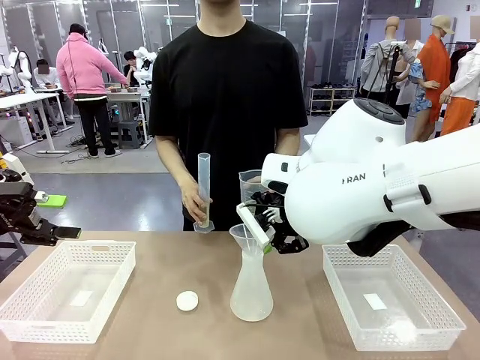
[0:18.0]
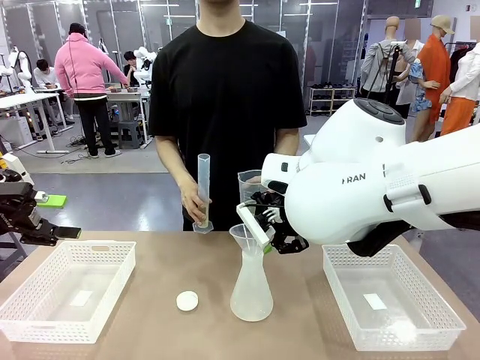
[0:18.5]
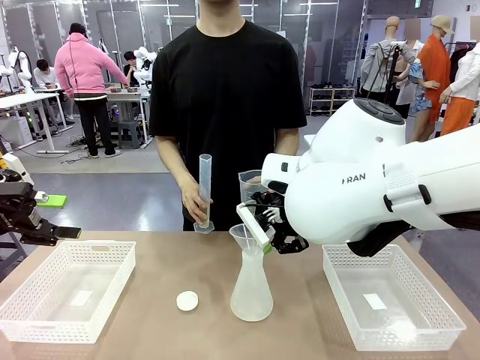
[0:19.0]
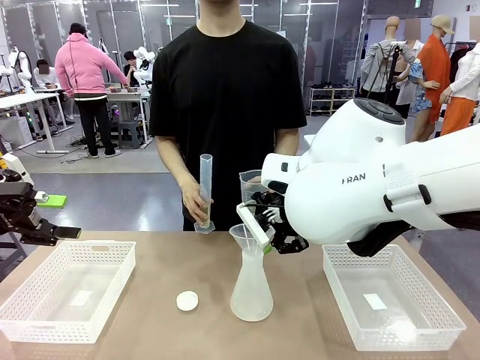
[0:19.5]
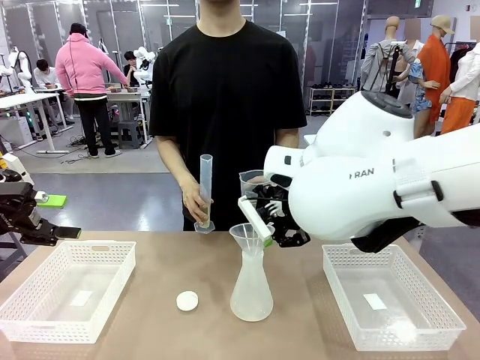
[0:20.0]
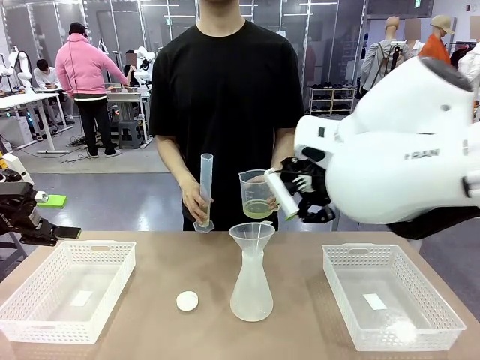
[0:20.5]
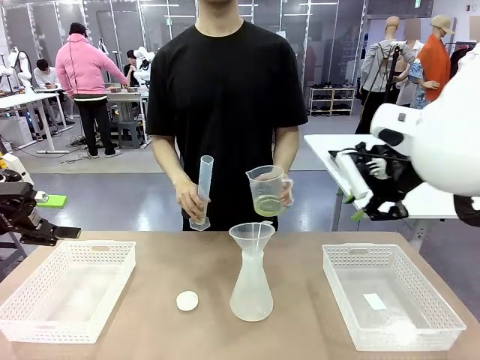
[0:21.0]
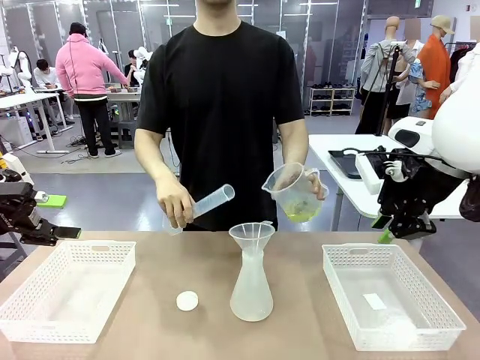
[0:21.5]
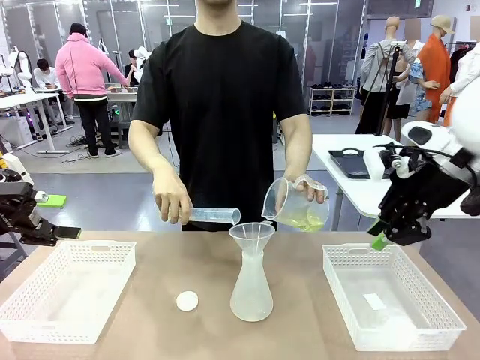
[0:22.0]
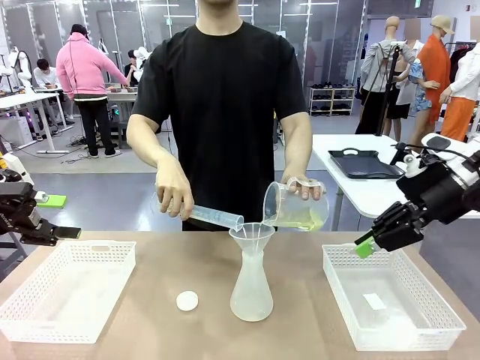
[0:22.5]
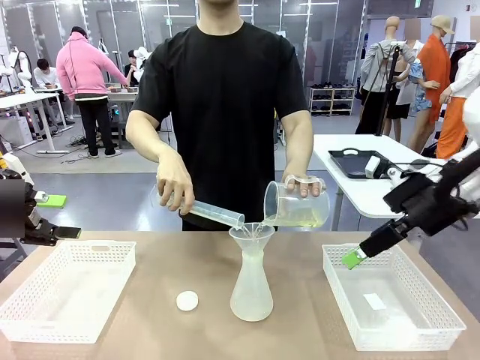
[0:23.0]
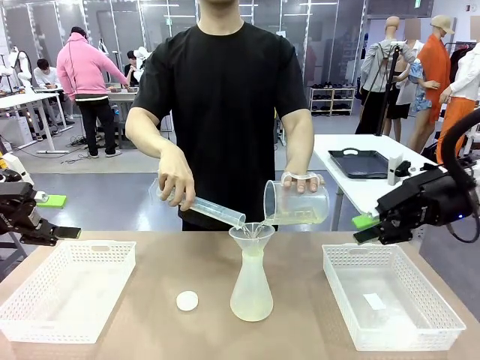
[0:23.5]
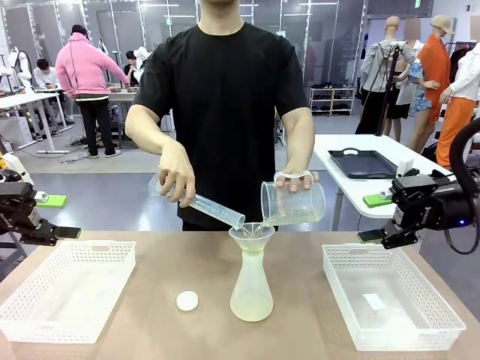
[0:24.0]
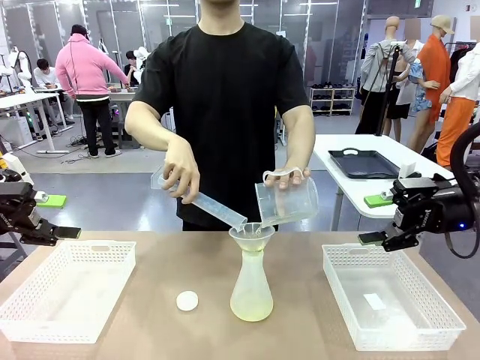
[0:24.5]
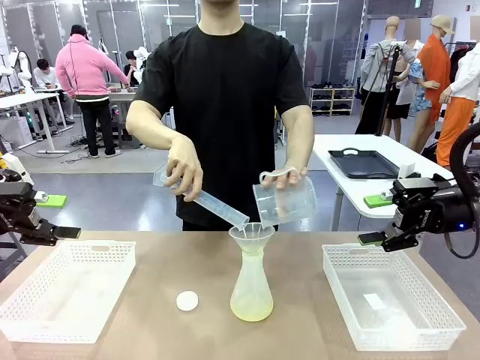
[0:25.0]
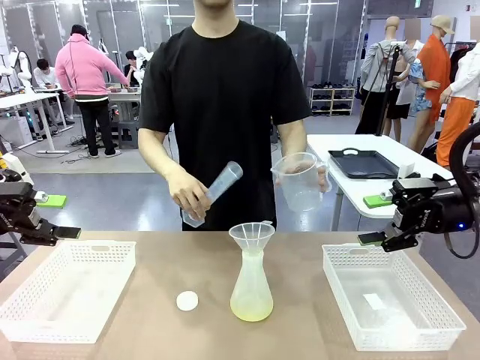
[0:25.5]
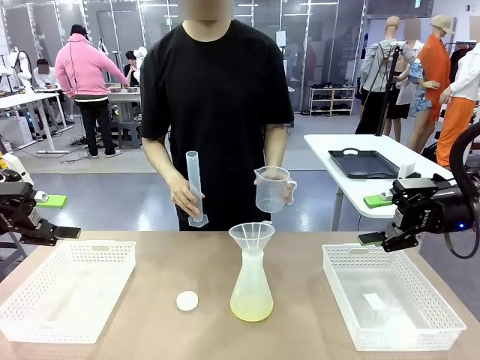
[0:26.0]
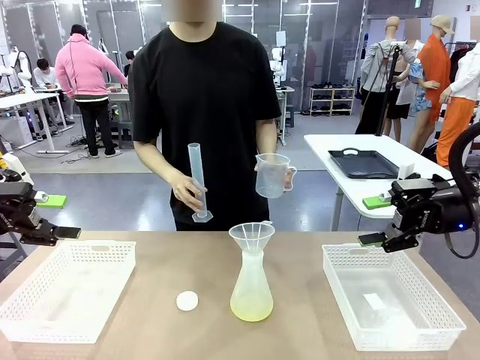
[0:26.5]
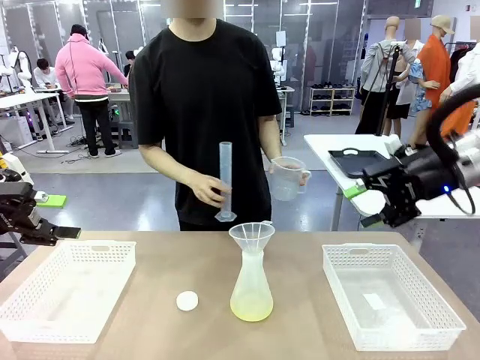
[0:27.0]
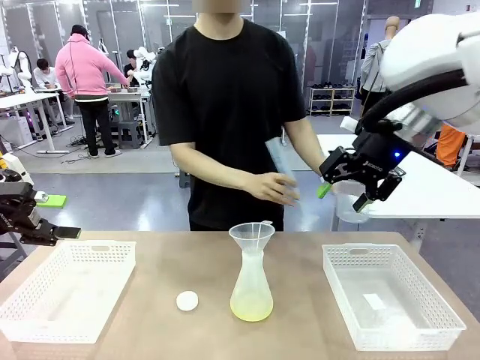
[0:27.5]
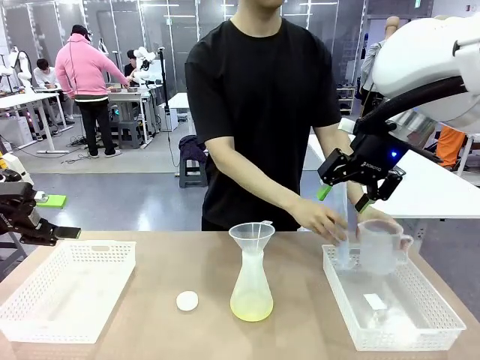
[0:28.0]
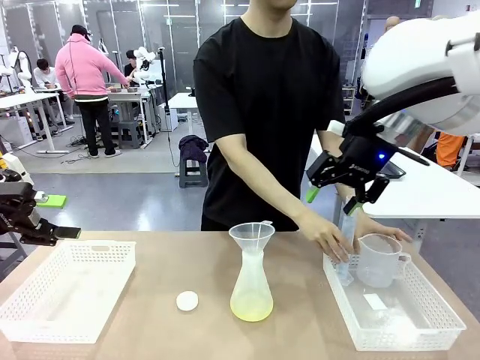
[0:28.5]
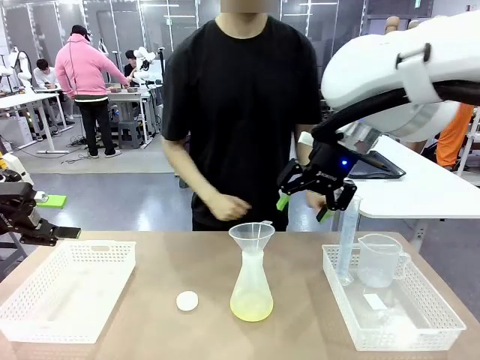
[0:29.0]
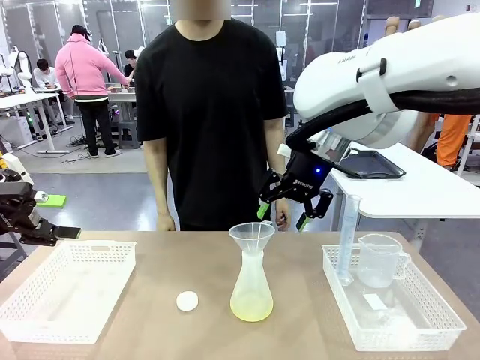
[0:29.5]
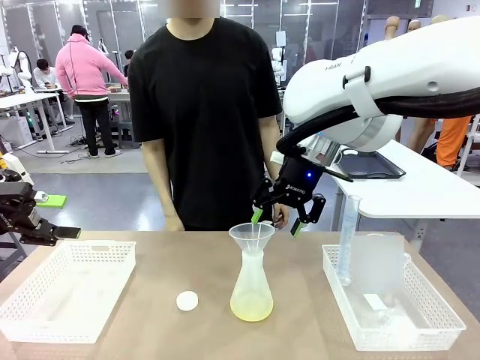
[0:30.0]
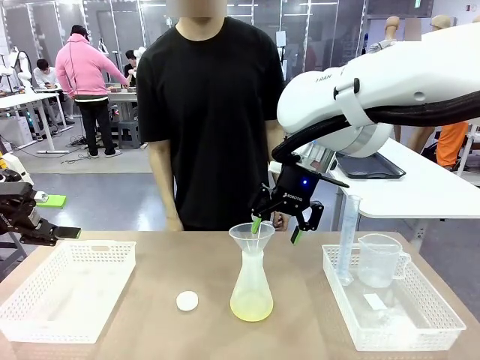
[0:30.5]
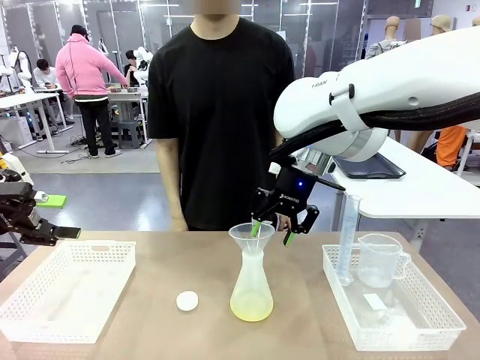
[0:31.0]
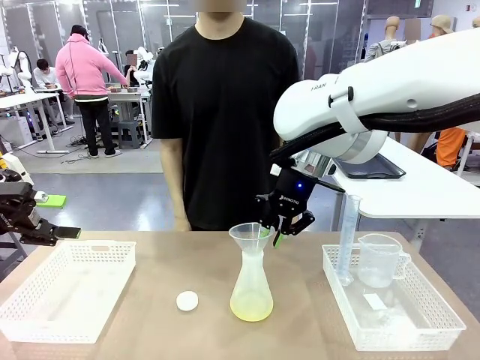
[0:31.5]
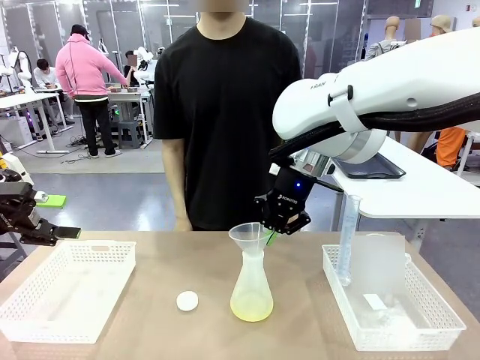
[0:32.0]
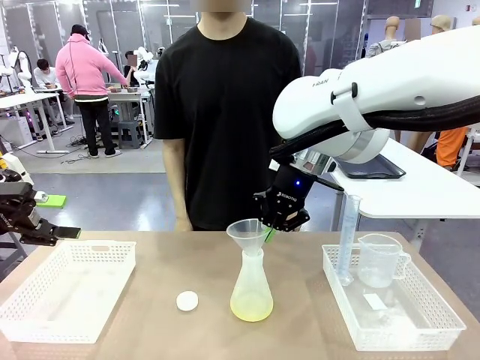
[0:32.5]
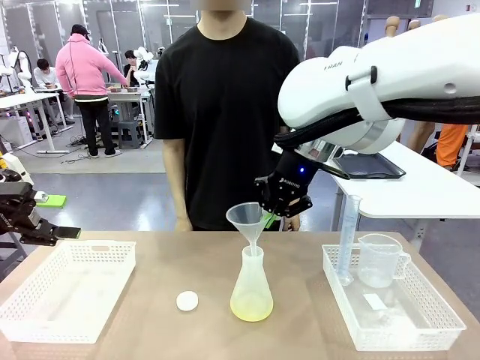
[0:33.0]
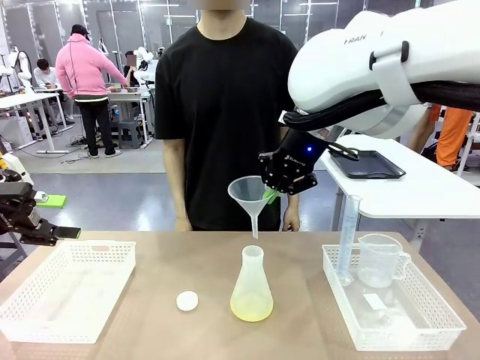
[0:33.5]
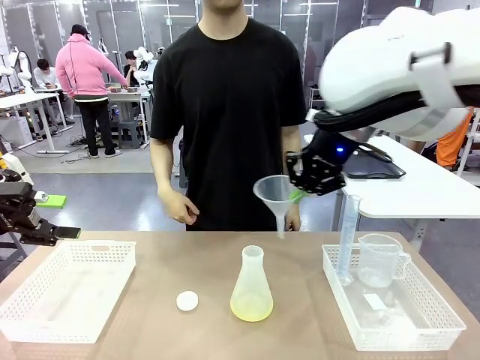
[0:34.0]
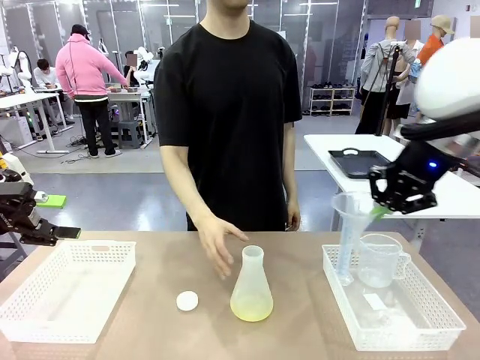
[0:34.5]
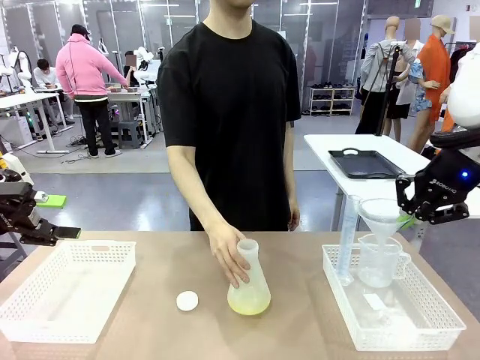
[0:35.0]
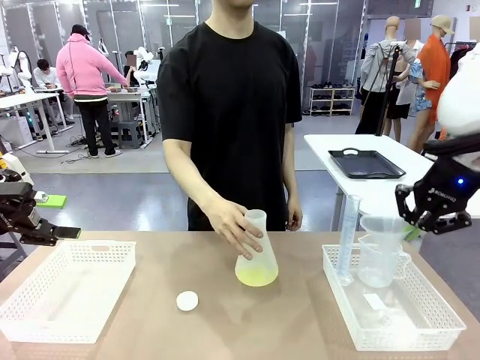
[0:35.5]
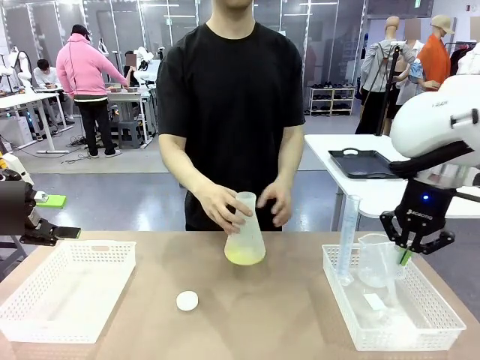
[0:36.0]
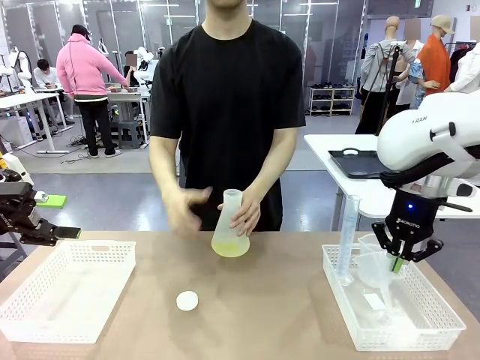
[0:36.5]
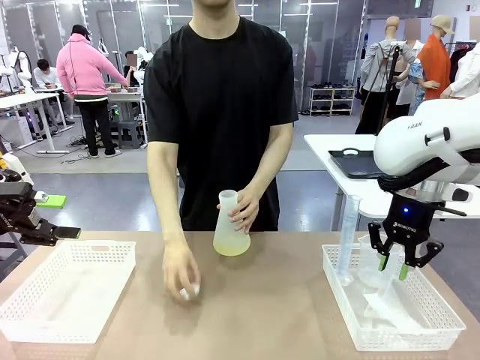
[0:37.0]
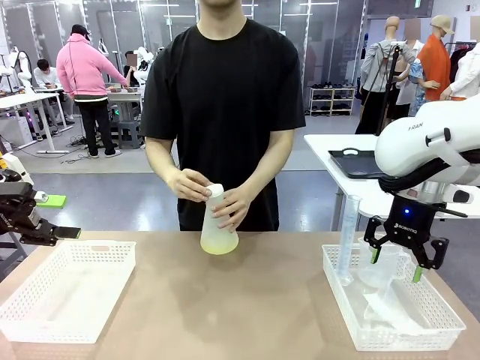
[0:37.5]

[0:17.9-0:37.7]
Task: Prepare the solutions needed for the experiment.
Robot: Once the solution is in the Big flask , pick up the Plastic Funnel and place it back into the right Organizing basket.
Person: Place the beaker and the cylinder into the organizing basket on the left side. Pick up the flask, gently shake it 2–3 times, place it in the middle of the robot table, and close the lid.

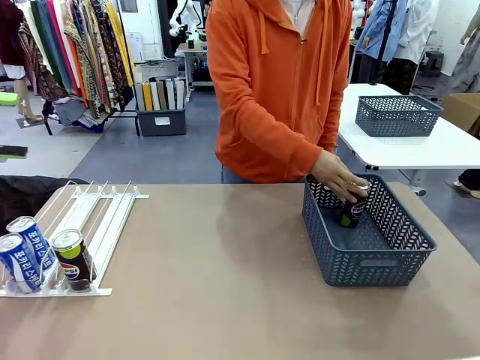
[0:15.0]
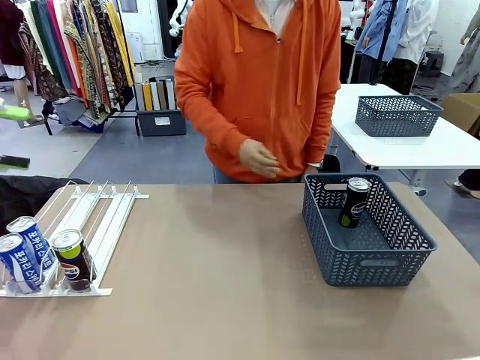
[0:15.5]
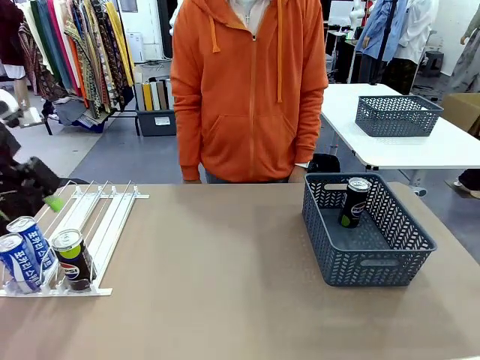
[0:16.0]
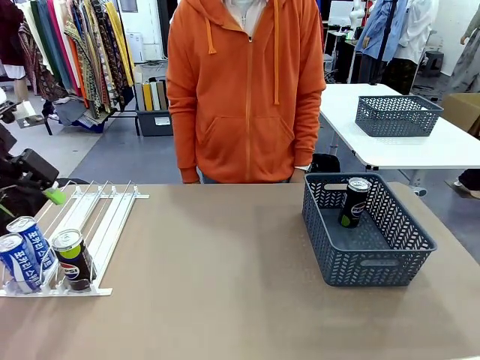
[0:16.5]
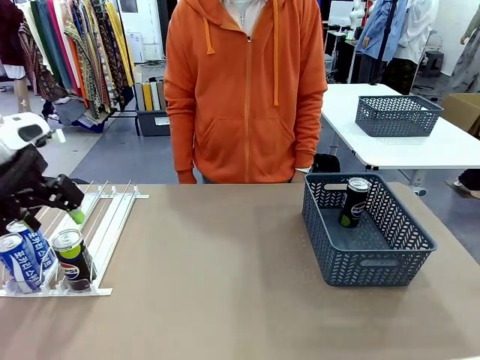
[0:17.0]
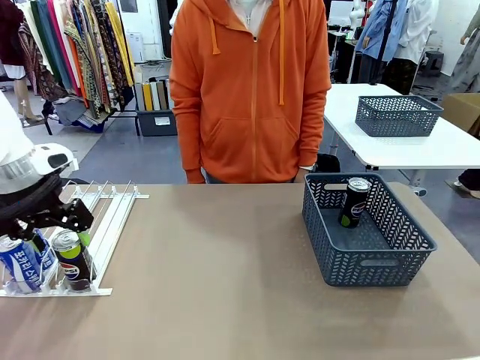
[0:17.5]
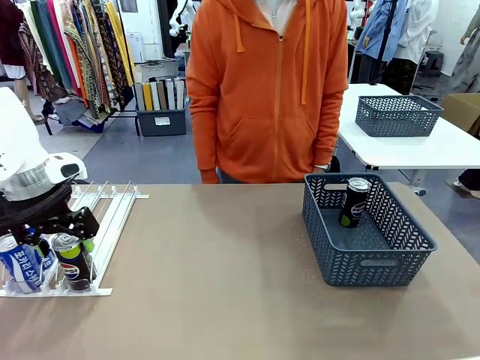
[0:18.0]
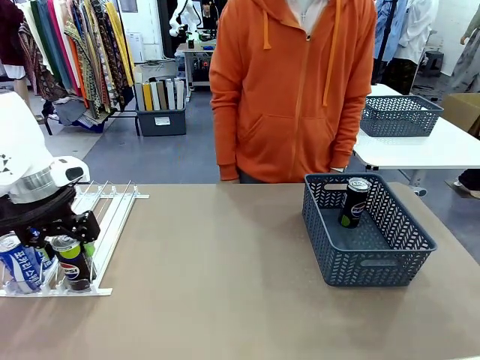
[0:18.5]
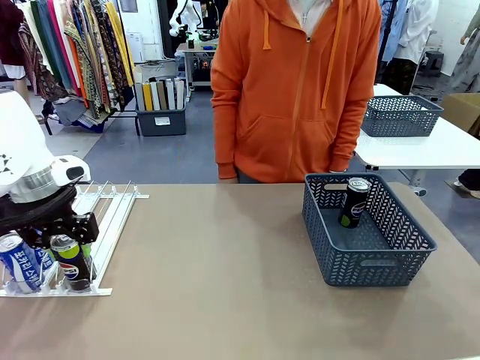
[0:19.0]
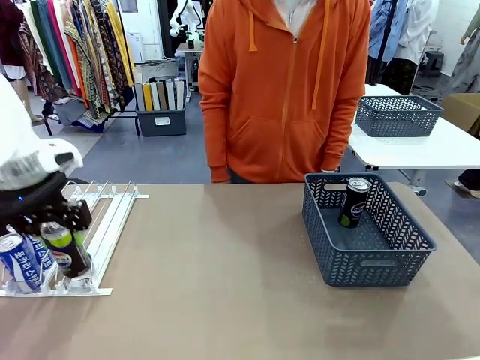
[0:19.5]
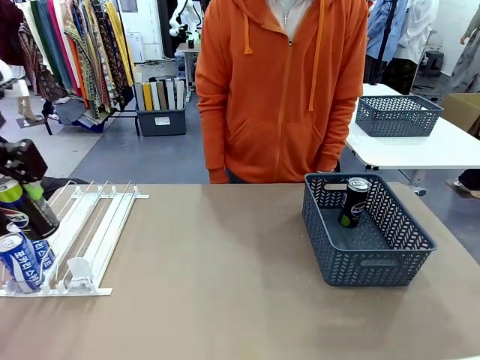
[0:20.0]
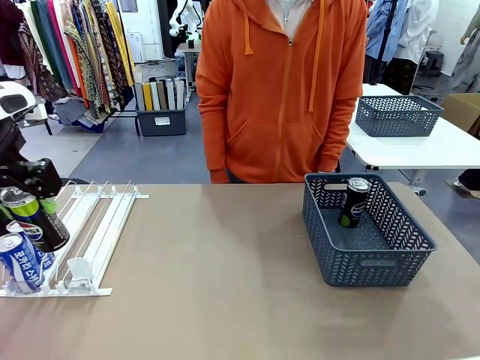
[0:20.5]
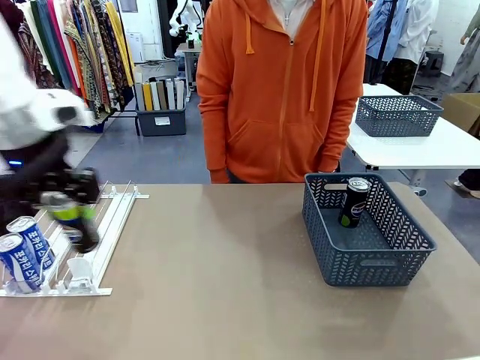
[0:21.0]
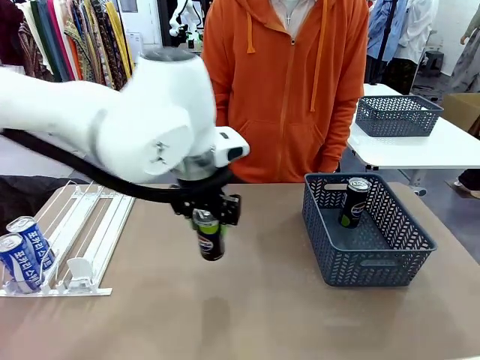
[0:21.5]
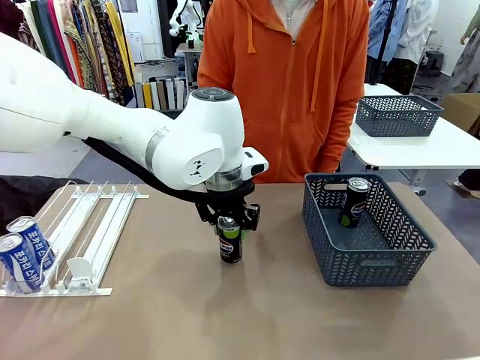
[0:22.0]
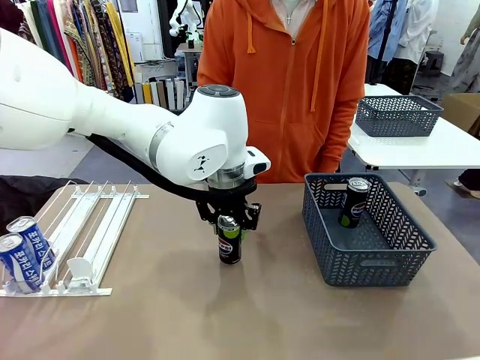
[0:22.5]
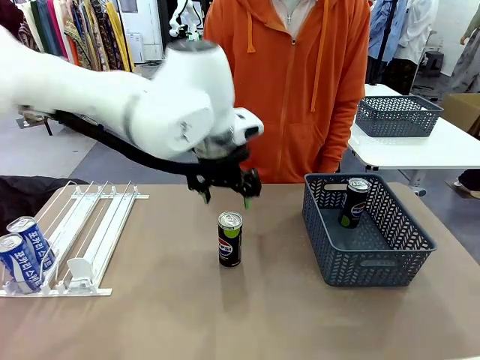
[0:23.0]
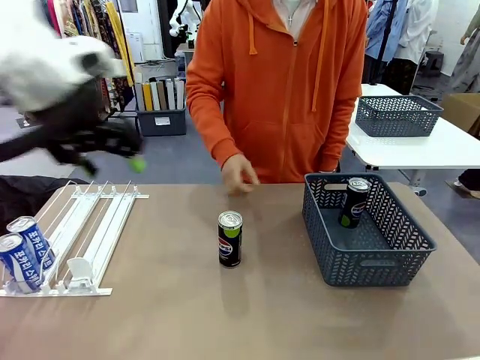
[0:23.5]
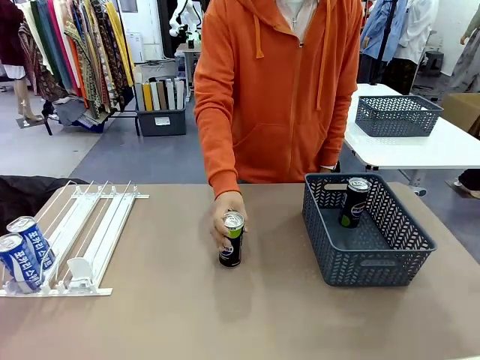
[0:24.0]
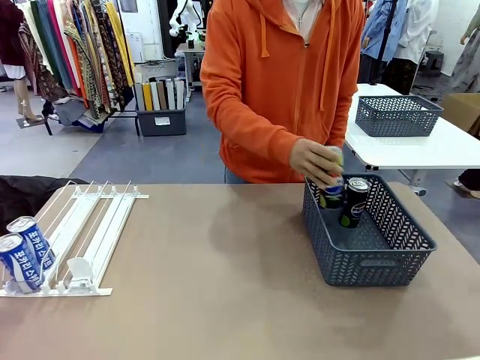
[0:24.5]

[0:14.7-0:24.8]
Task: Retrieve and store the cans from the dispenser.
Robot: Pick up the last remaining can from one row of the Automatic Can Dispenser and place it in the middle of the table.
Person: Pick up one Pepsi can from the middle of the robot table and place it in the basket.
